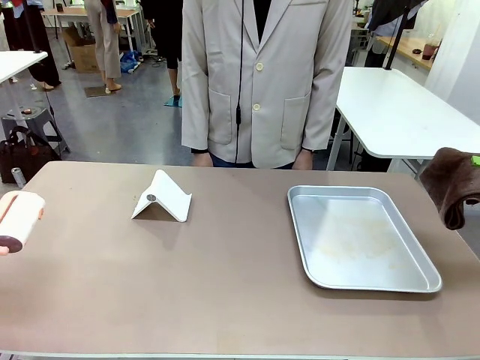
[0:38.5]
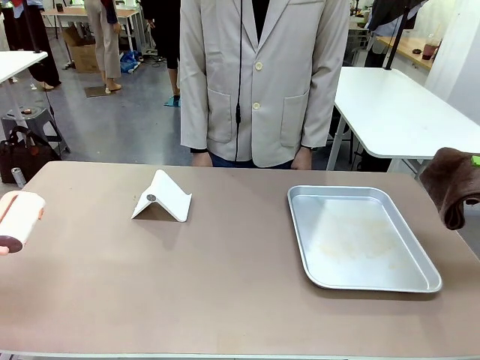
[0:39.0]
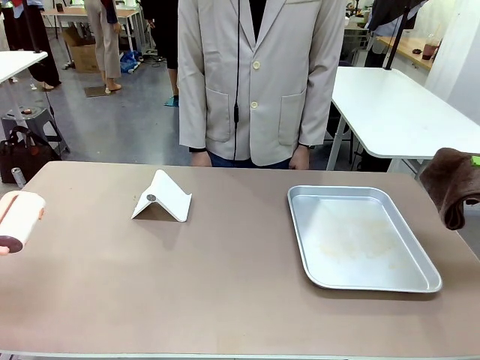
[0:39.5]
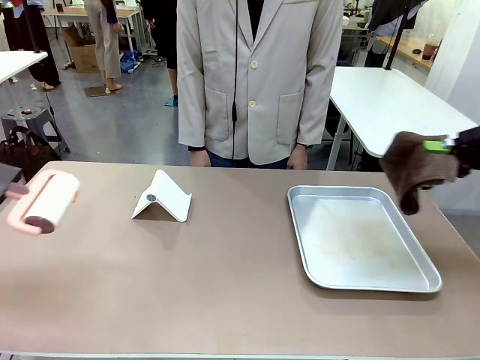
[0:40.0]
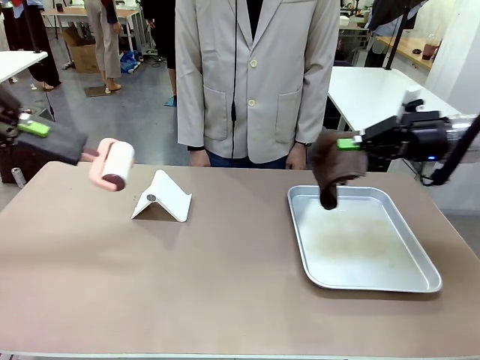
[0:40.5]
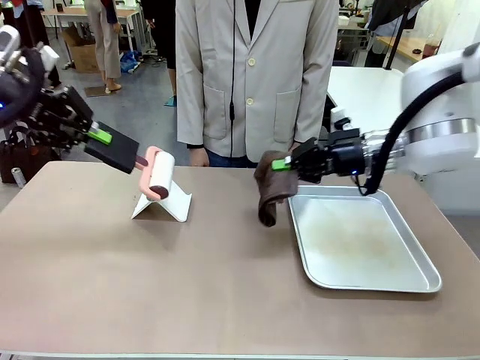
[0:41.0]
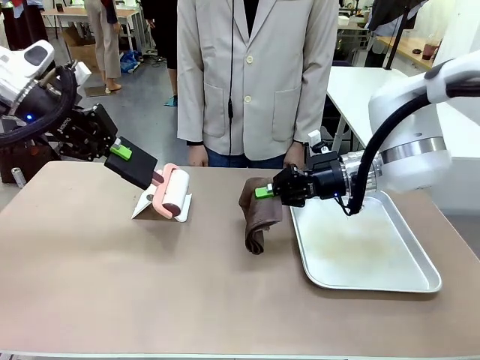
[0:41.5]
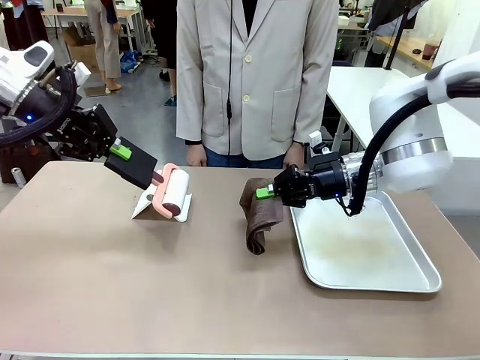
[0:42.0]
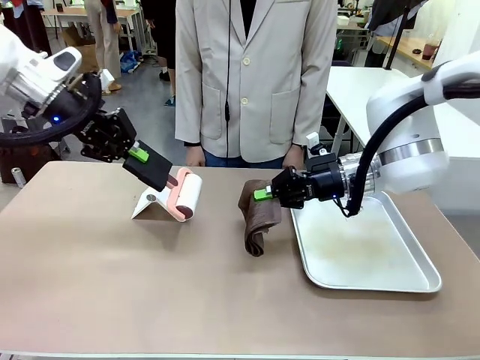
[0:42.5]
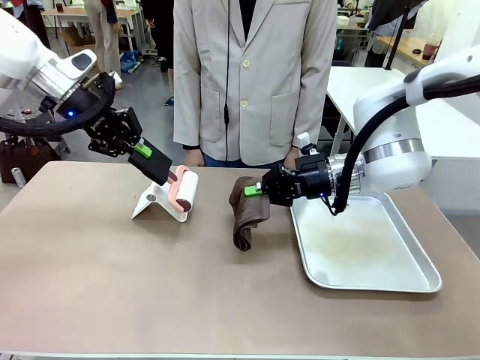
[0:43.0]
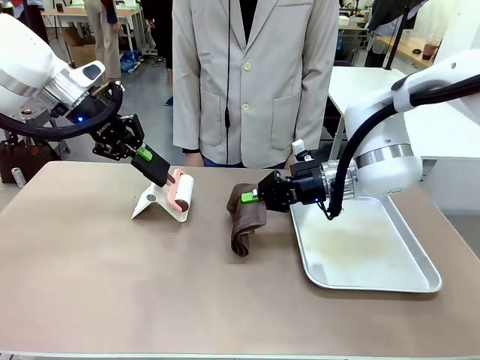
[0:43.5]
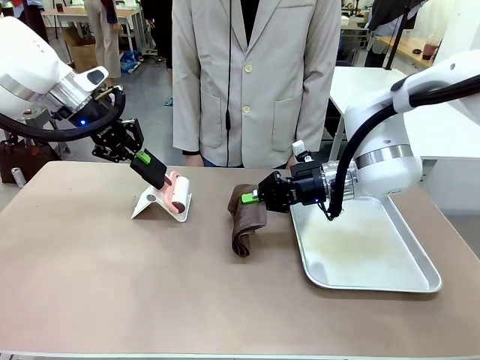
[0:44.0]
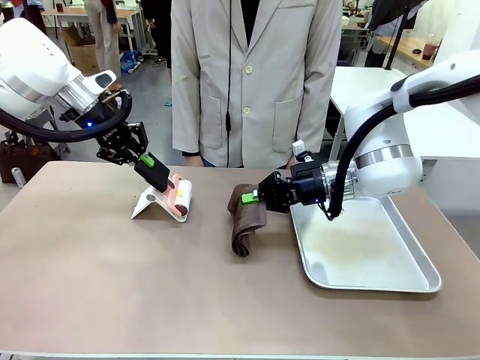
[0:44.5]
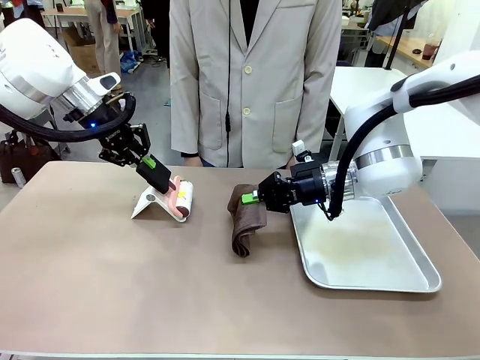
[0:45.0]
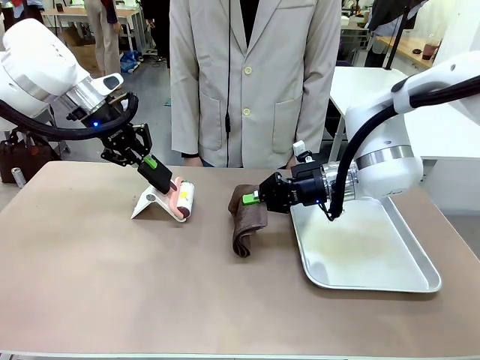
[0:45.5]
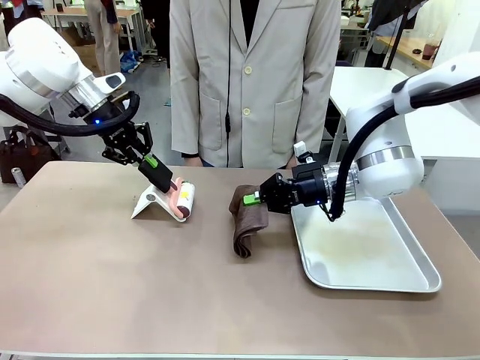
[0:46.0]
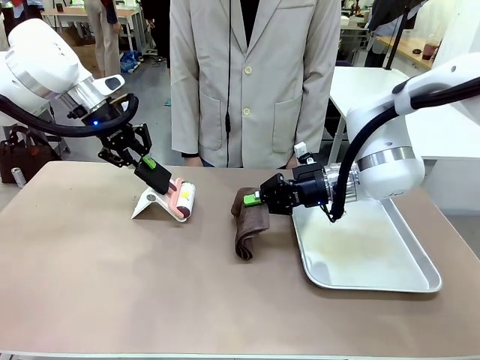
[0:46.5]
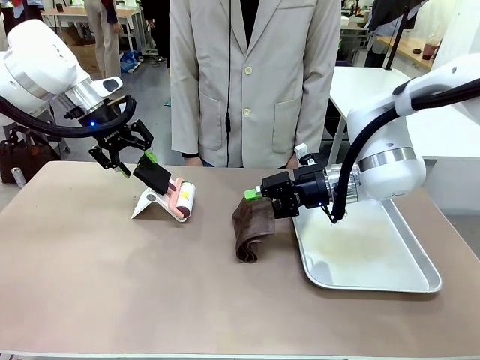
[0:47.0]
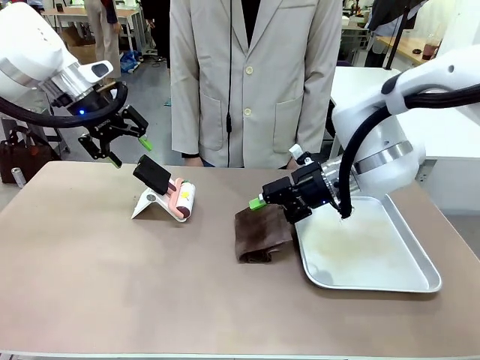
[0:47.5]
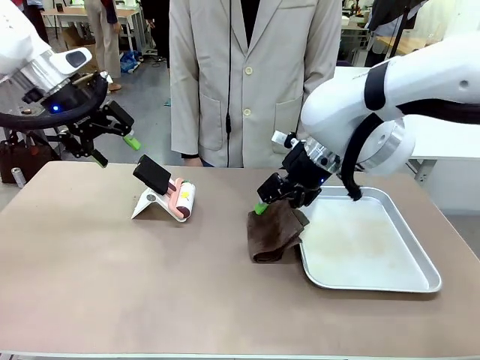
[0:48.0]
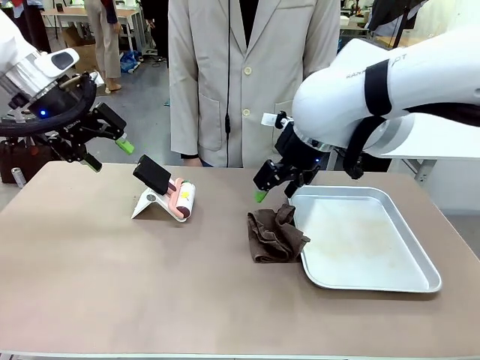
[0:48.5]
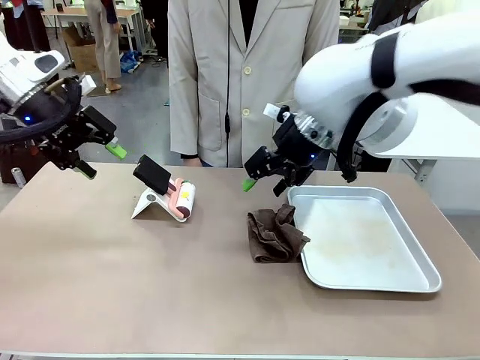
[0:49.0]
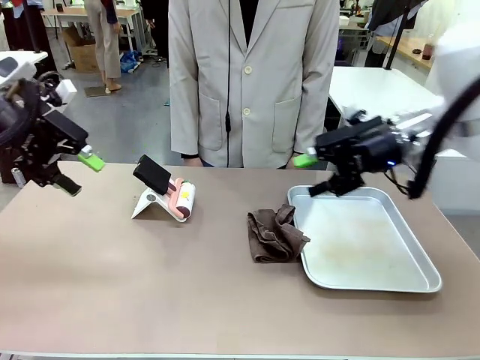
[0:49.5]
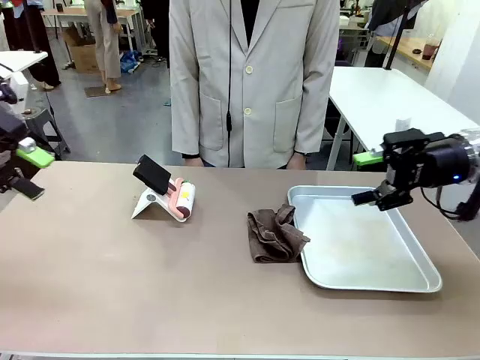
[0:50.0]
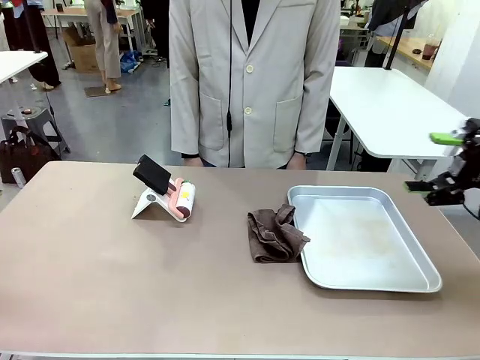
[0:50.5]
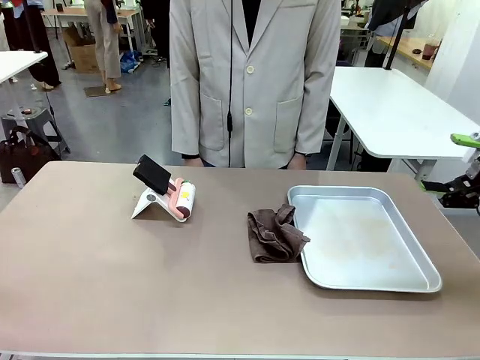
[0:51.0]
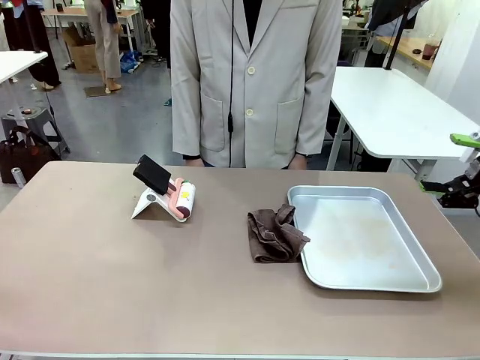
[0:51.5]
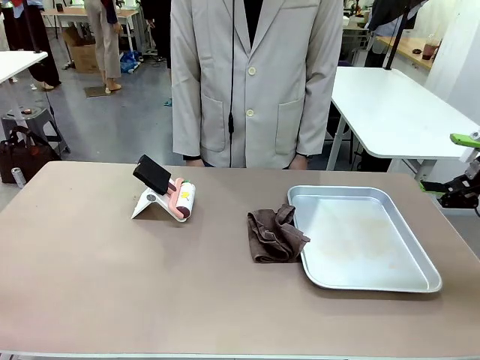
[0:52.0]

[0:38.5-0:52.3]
Task: Clean the surface of the table.
Robot: Return the Lint Roller and towel to their original positions.

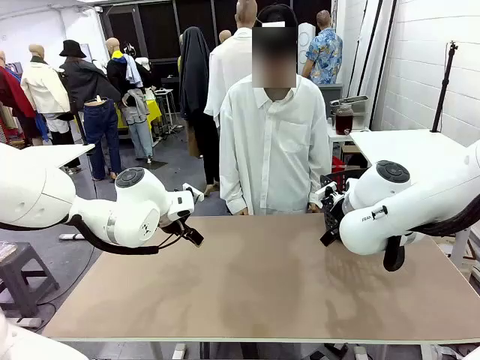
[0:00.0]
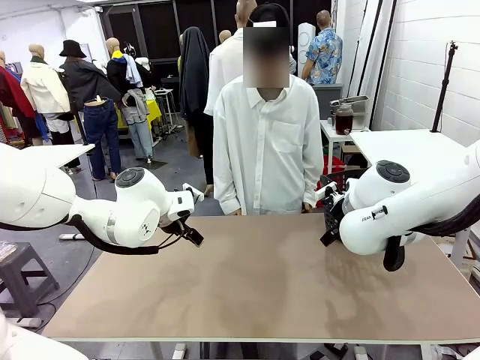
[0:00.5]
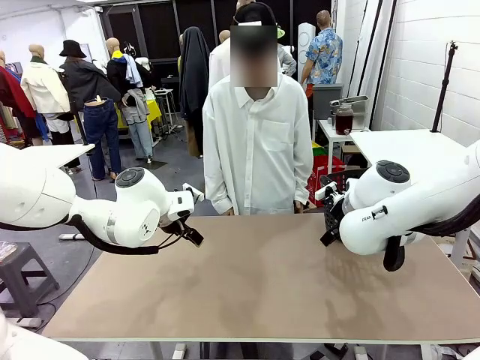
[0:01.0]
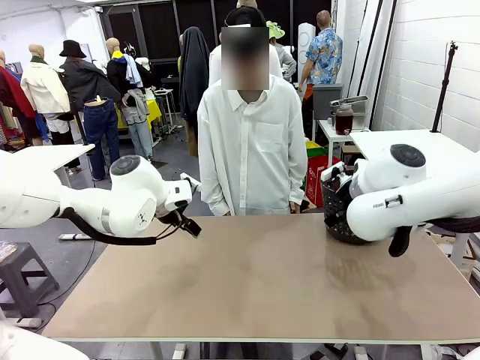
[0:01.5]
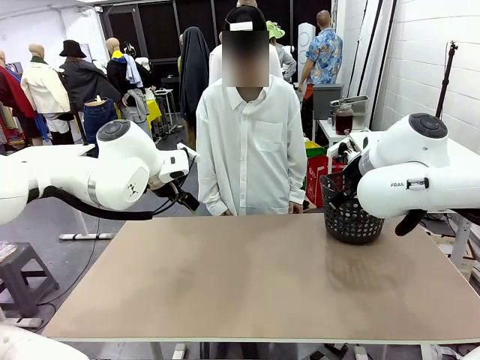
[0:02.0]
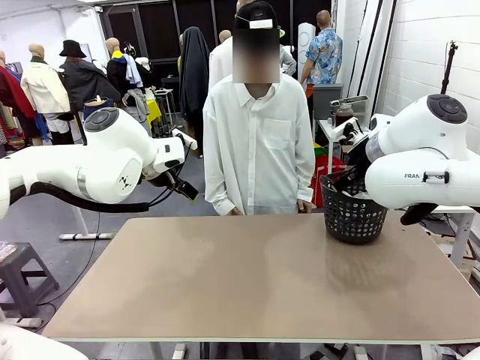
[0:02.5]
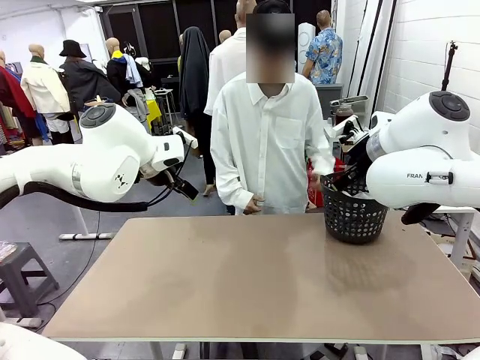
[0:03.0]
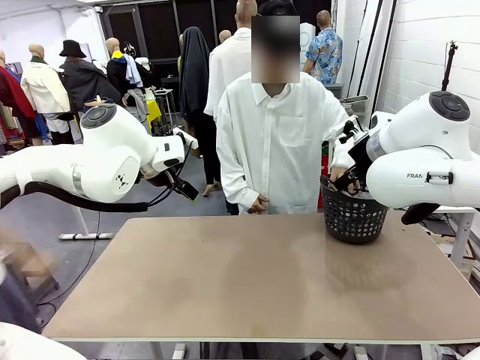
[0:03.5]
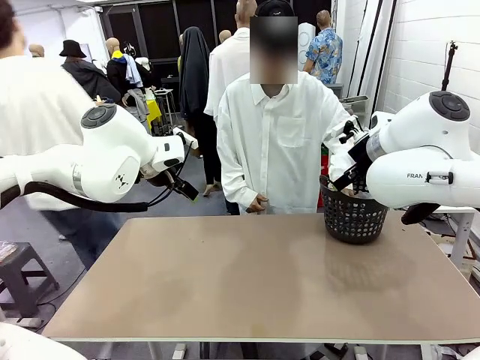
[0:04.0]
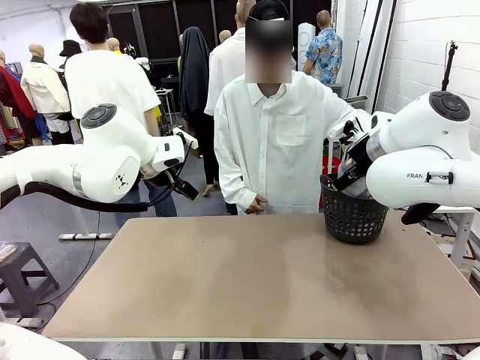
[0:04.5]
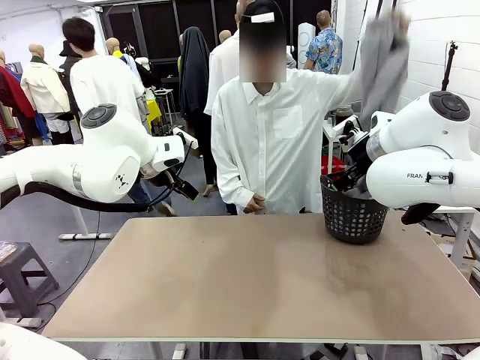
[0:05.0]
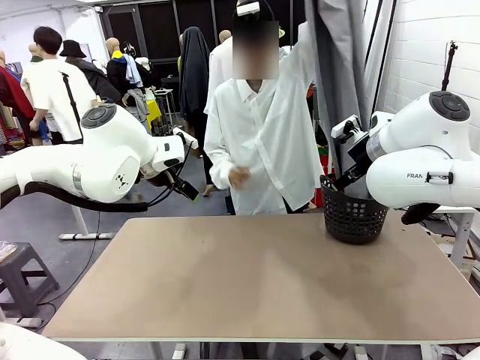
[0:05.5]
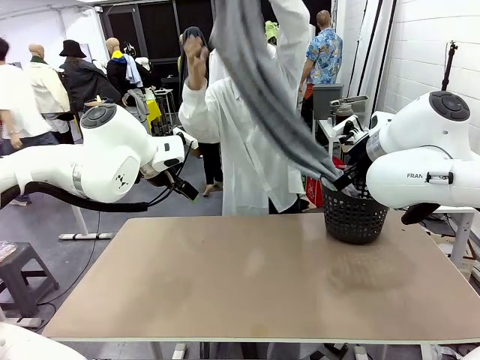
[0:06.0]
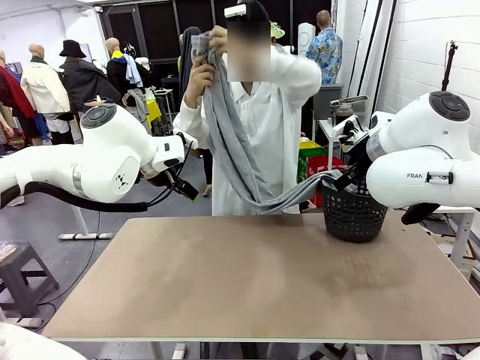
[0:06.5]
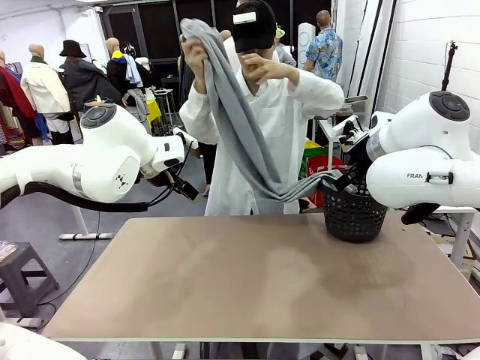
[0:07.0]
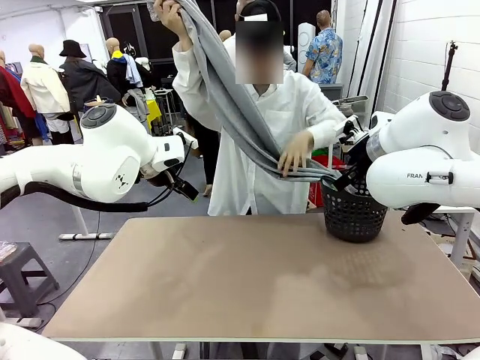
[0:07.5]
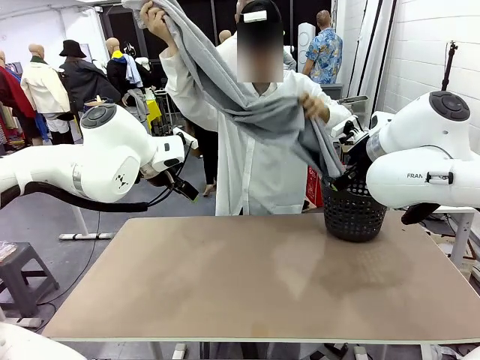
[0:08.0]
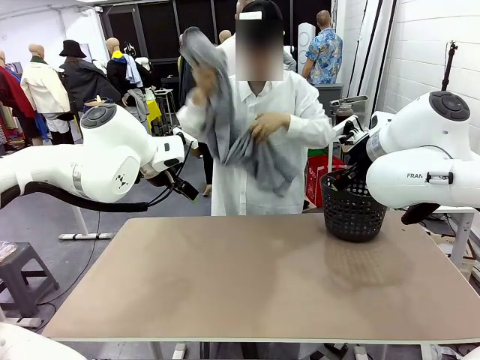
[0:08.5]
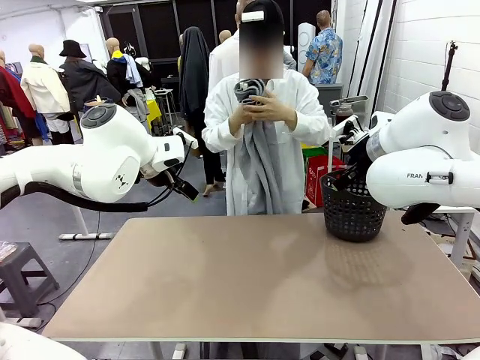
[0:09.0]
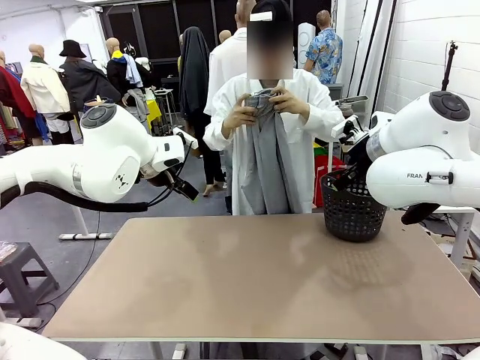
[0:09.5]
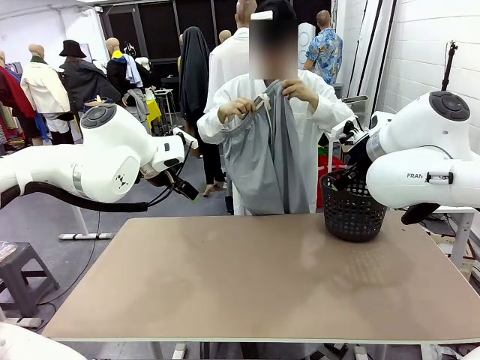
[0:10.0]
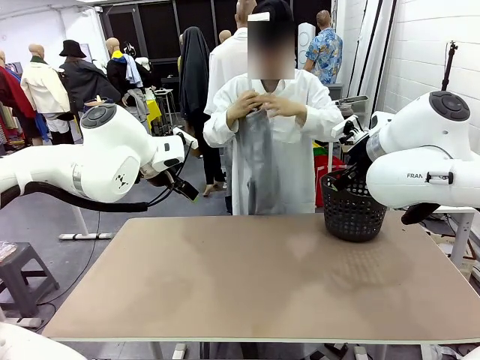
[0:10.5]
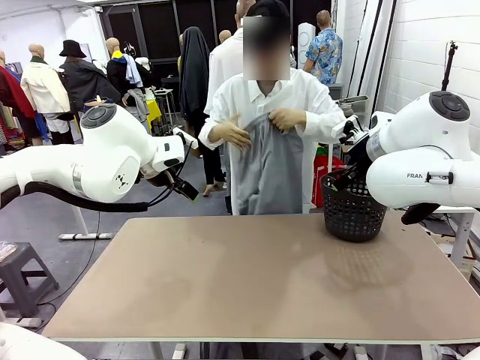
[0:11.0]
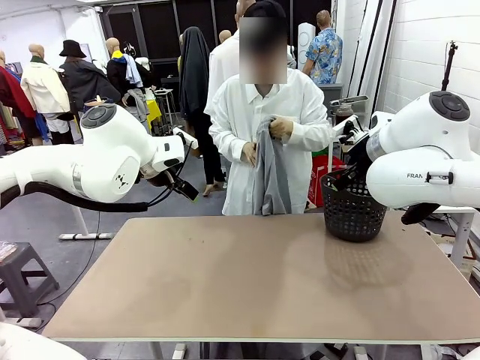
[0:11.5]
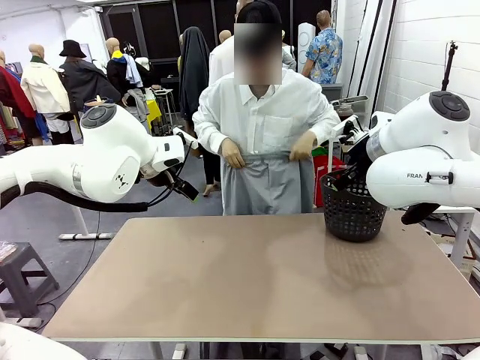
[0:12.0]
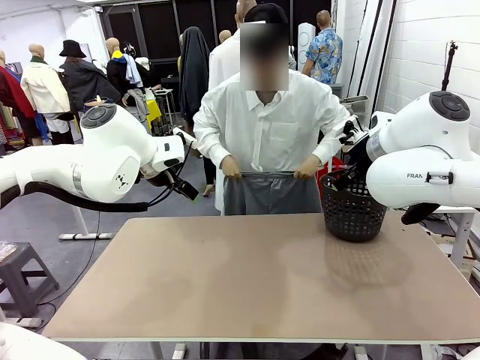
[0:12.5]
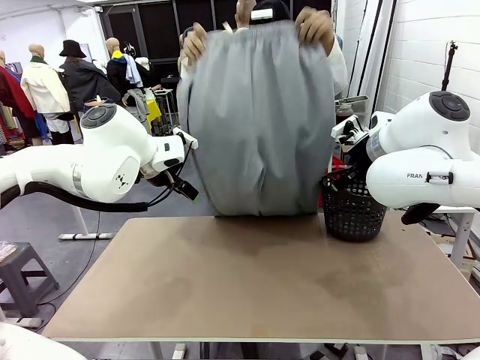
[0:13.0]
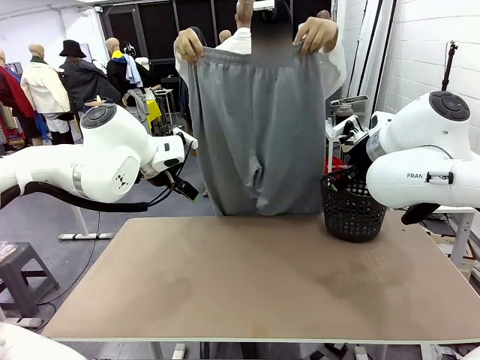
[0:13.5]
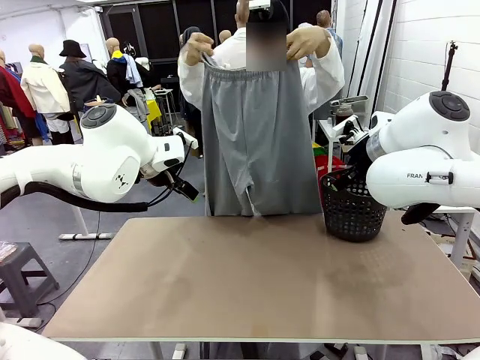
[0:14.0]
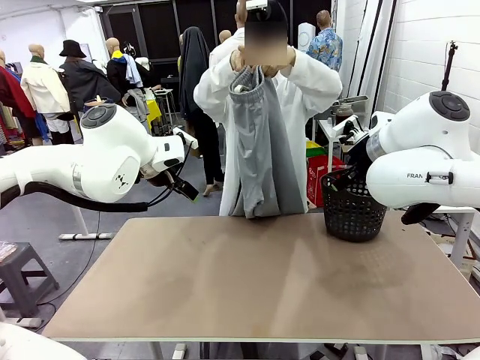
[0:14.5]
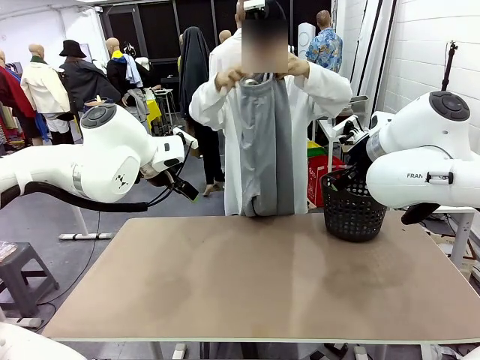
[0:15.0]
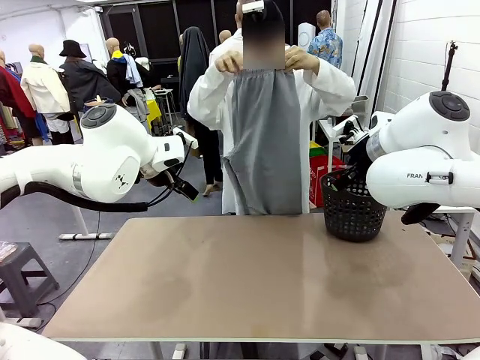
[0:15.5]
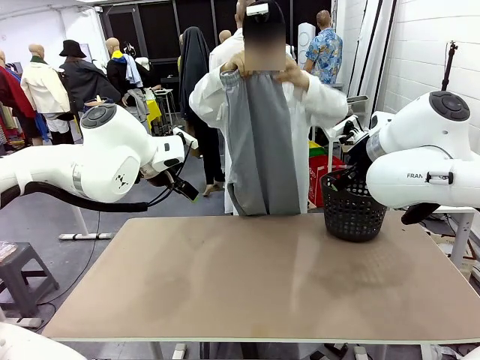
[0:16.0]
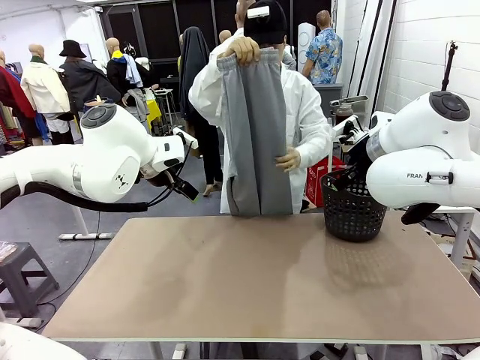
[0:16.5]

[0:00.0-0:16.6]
Task: Fold the training pants.
Robot: Grab both ends of the Training pants handed by a person.
Person: Take the long pants out of the laundry basket, unfold them, fold the waist in half, and extend them so the robot can pick up both corners.
